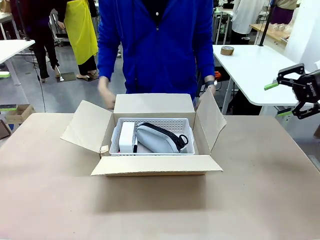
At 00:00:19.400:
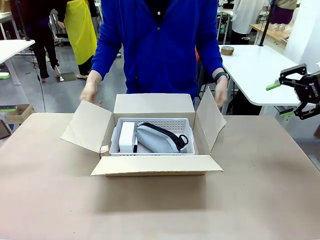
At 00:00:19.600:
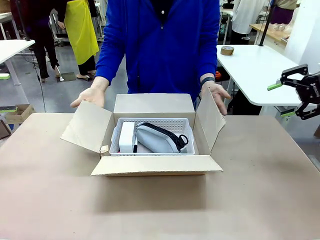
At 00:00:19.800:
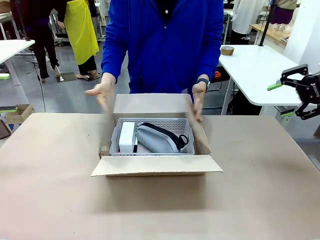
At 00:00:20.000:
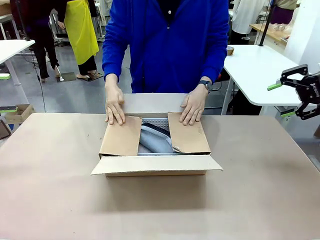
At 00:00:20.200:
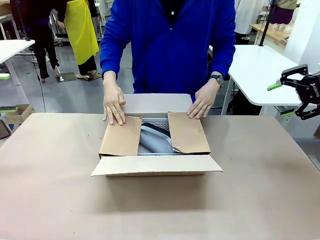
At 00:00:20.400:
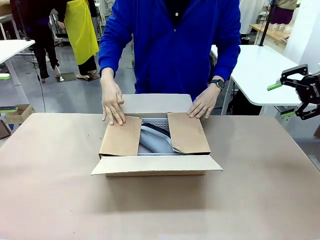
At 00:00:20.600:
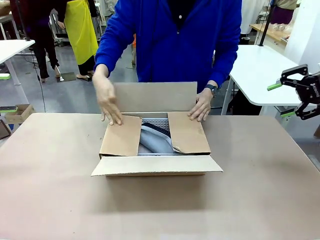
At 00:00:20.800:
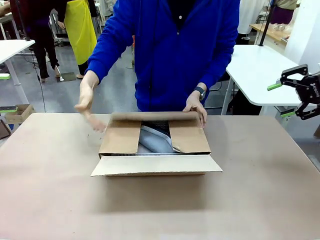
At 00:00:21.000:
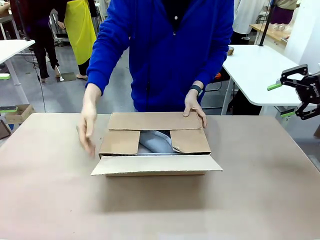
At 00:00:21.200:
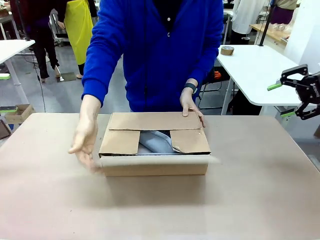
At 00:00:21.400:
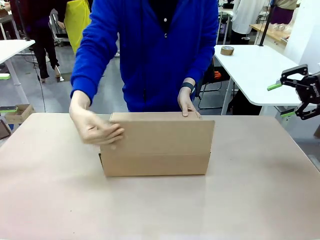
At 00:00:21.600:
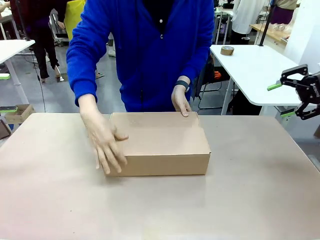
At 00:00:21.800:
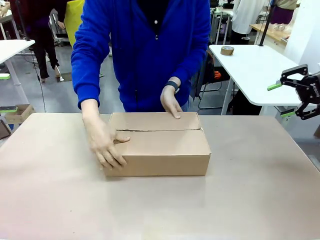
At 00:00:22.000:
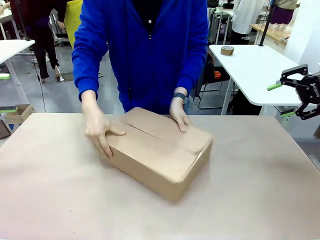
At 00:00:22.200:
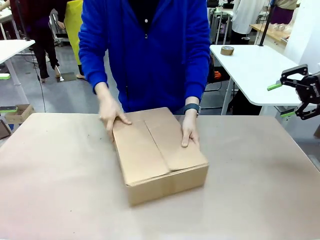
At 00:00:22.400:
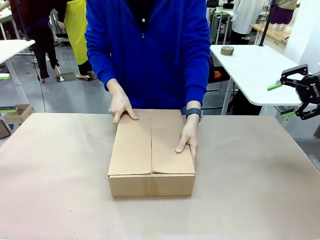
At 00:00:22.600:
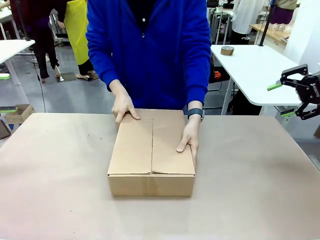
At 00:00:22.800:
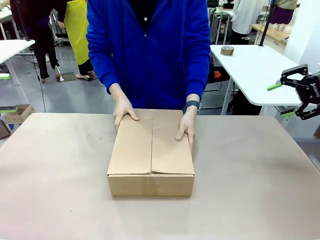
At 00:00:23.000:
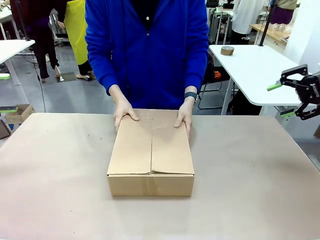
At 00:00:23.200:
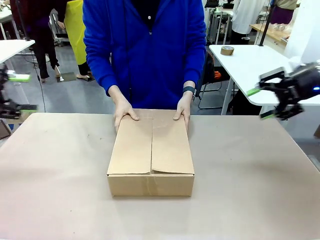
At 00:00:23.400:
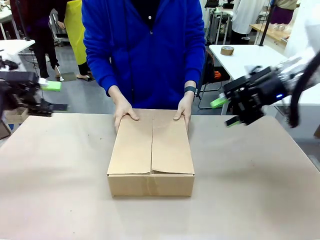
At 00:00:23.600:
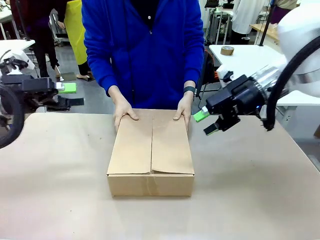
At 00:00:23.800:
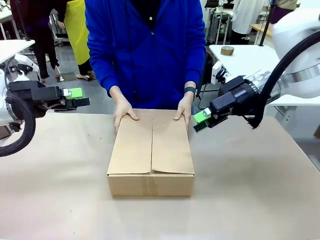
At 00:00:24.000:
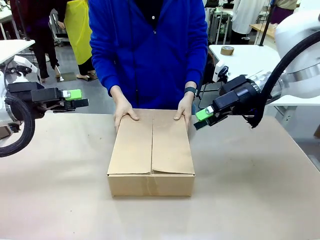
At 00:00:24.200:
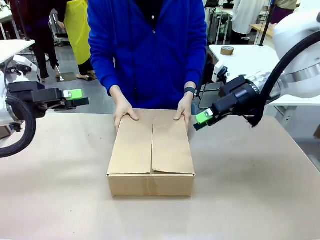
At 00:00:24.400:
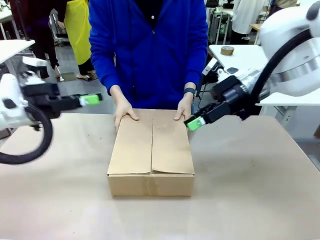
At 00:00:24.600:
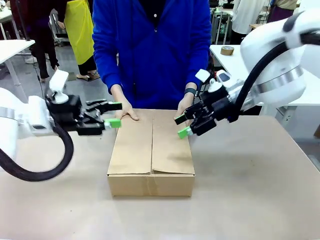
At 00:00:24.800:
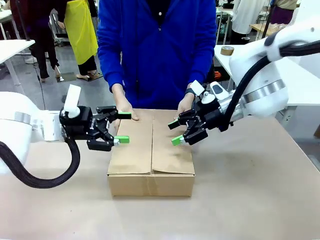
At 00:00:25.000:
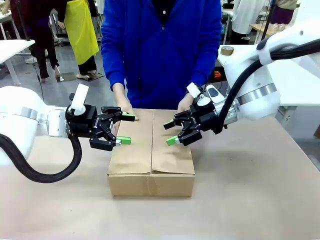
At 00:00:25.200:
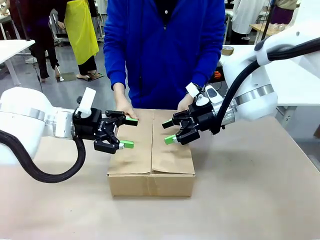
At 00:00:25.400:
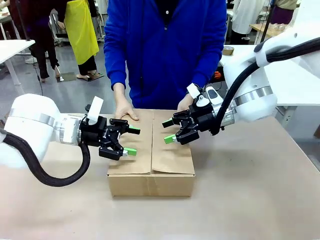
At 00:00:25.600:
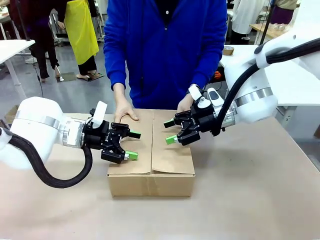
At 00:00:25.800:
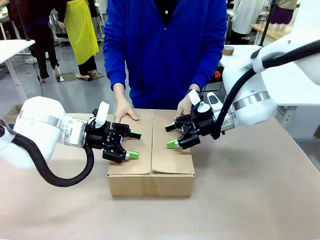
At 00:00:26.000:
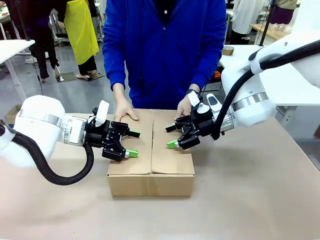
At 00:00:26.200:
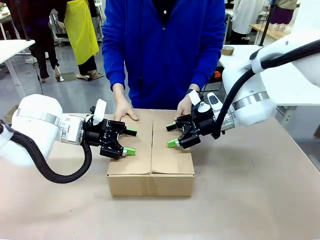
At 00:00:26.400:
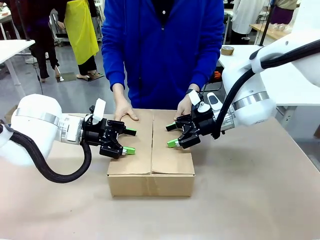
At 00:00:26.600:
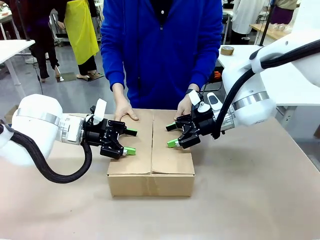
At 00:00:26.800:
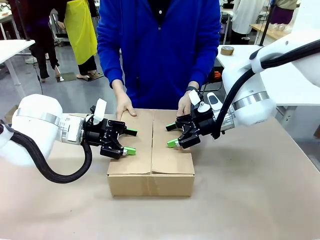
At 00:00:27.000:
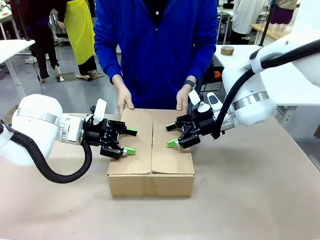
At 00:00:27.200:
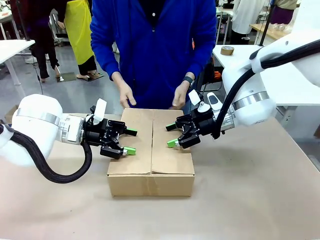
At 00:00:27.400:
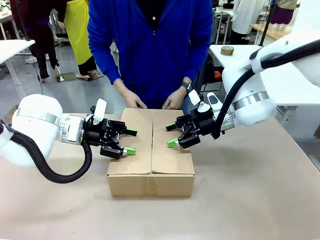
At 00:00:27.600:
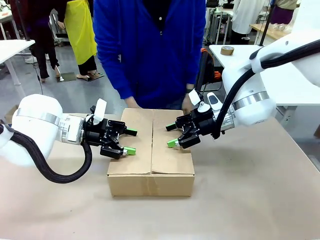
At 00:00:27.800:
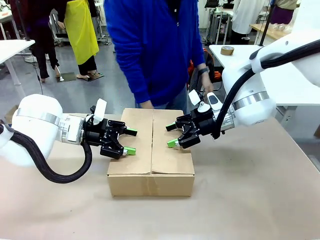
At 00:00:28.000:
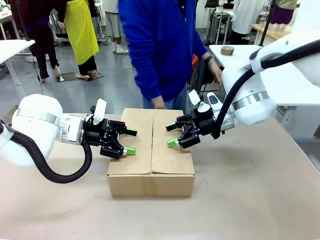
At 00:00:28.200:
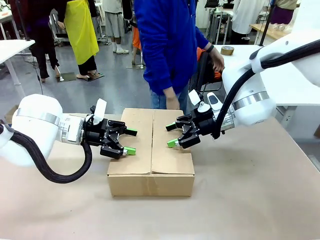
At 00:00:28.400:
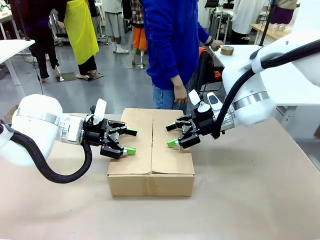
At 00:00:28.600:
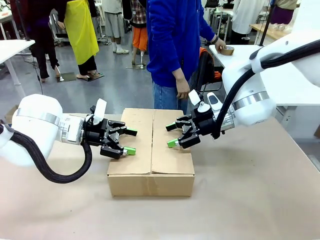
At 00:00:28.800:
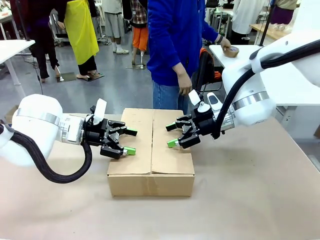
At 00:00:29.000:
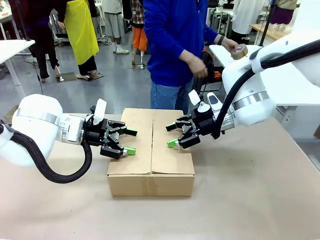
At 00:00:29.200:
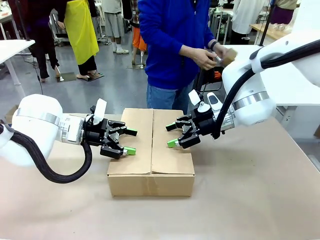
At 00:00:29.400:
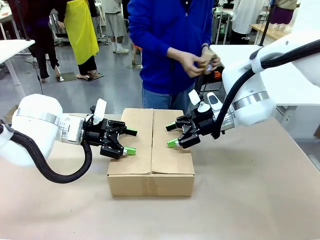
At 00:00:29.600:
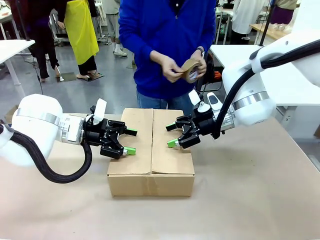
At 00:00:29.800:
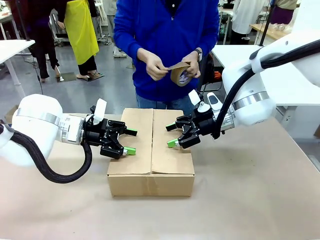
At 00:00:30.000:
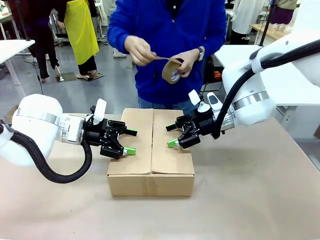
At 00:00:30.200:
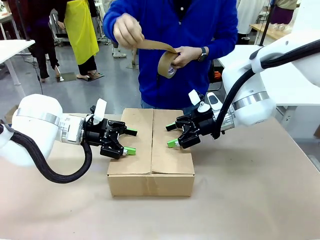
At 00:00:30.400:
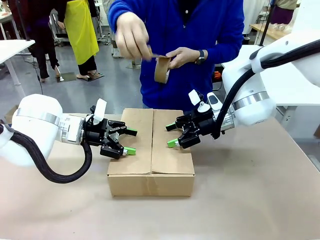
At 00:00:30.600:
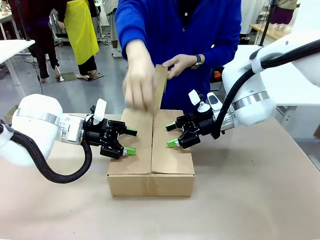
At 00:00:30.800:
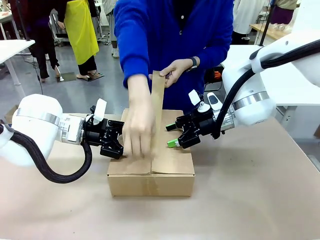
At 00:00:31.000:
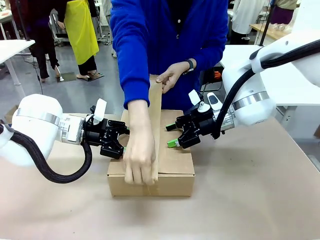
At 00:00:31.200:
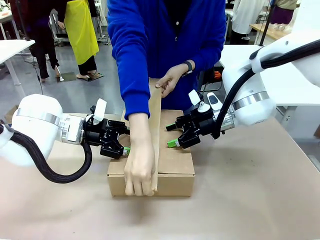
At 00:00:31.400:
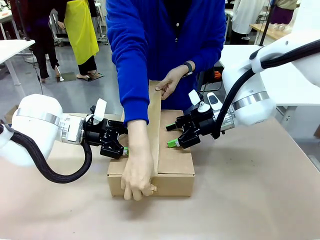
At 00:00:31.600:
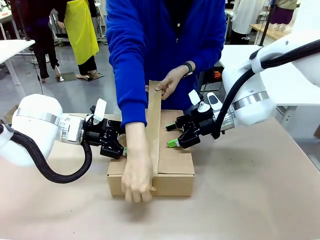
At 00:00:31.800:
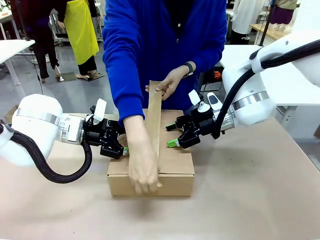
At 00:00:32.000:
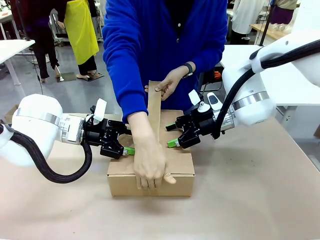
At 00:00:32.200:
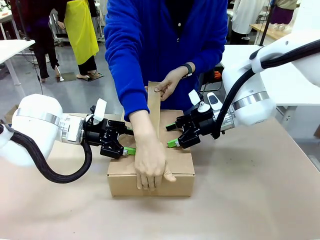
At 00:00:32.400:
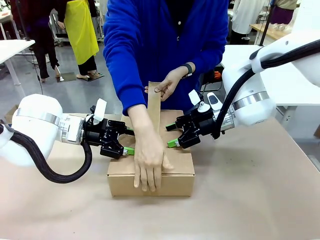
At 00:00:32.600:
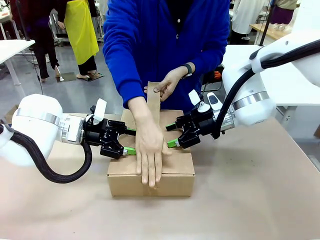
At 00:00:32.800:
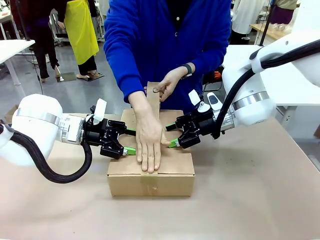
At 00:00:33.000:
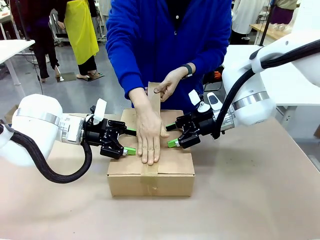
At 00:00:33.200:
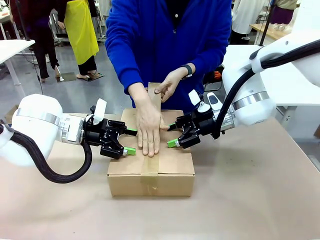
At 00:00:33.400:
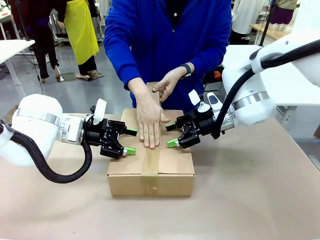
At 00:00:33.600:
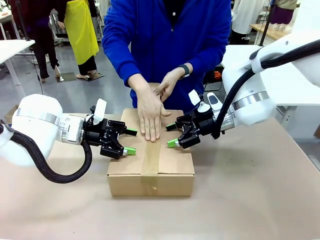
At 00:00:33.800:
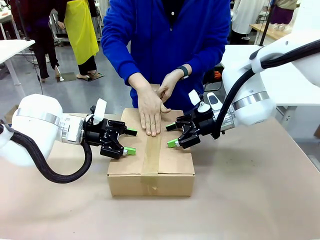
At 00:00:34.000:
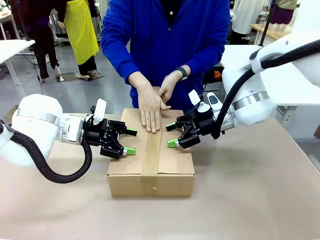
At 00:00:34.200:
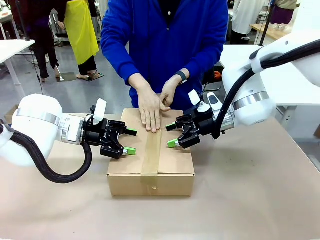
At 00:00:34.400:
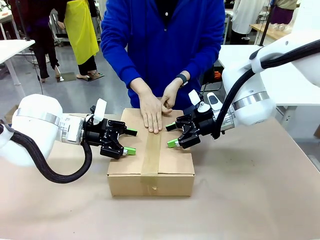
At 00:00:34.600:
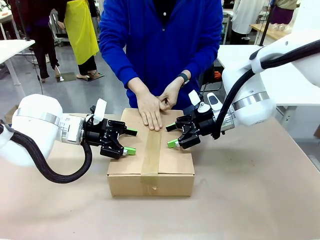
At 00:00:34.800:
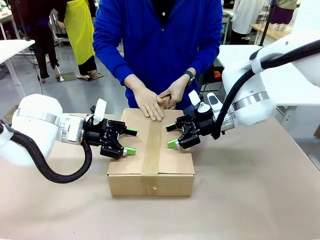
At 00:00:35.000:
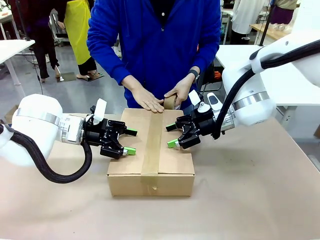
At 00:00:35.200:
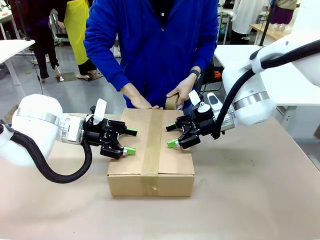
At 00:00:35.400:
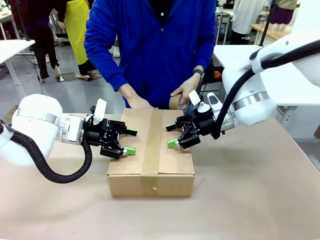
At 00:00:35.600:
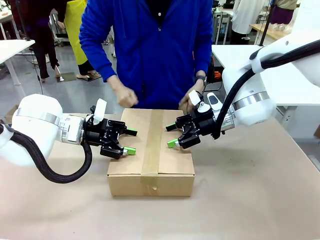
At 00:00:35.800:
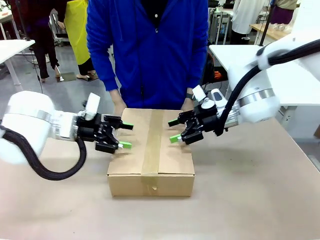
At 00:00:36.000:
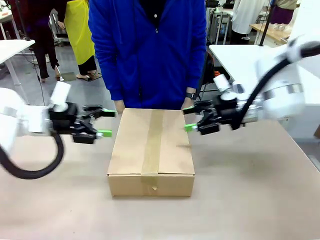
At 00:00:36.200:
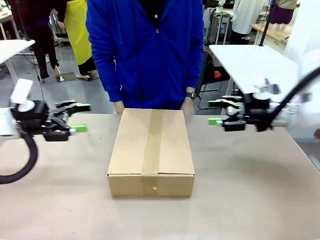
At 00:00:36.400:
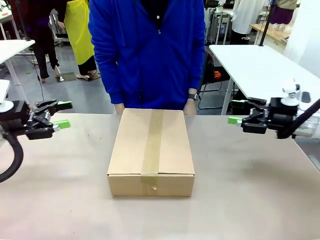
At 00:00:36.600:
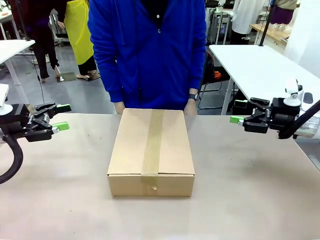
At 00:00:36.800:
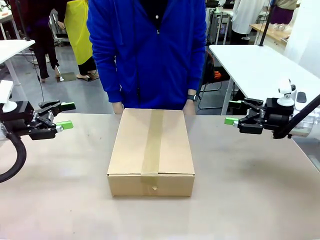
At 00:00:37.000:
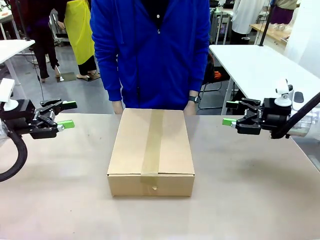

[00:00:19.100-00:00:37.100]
Task: Pack the gift set into the box.
Robot: Press and hold the closed box until the human finishes sealing it.
Person: The human closes the box and rotates the box by 90 degrees. The human picks up the paper tape from the human table and packs the box.
